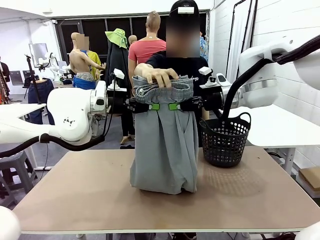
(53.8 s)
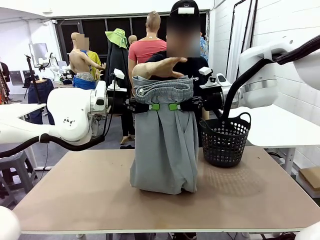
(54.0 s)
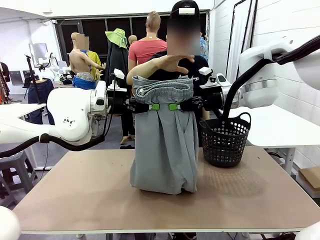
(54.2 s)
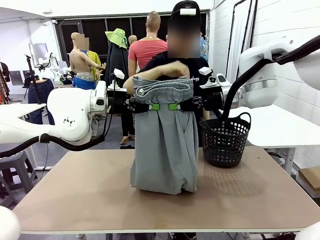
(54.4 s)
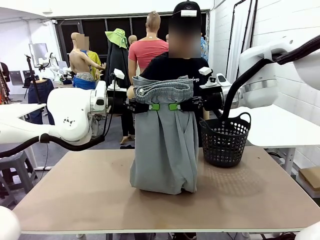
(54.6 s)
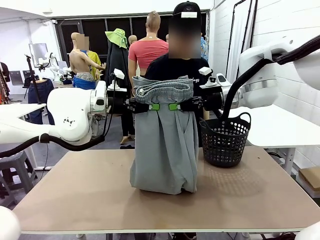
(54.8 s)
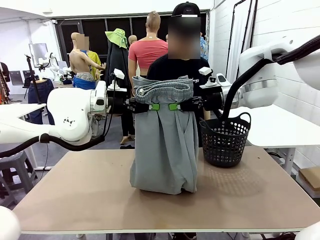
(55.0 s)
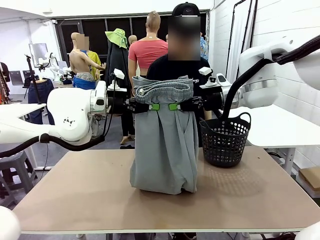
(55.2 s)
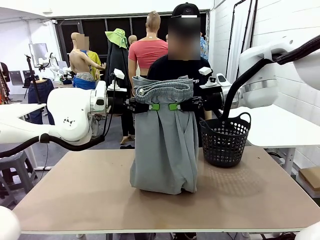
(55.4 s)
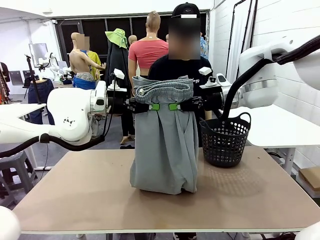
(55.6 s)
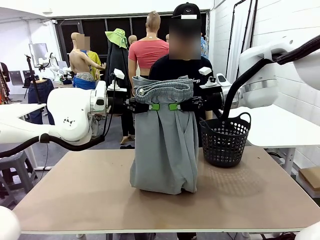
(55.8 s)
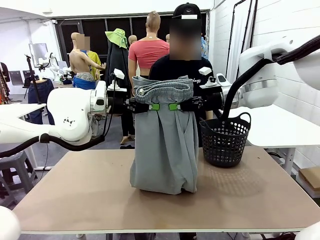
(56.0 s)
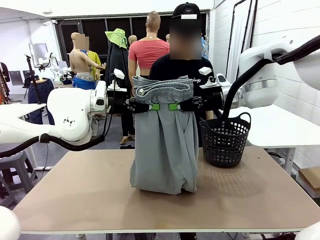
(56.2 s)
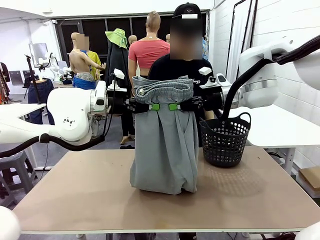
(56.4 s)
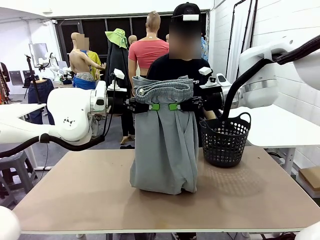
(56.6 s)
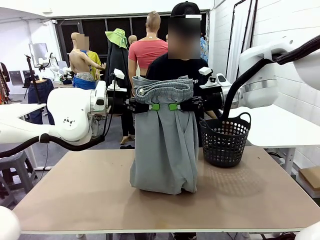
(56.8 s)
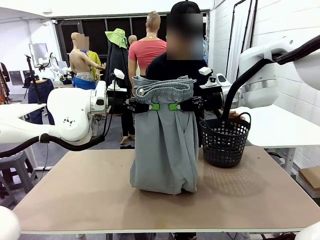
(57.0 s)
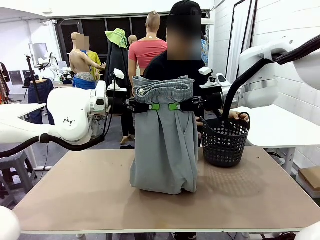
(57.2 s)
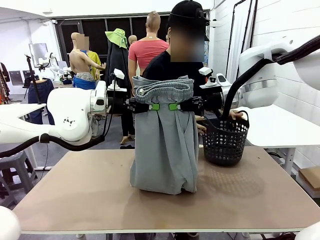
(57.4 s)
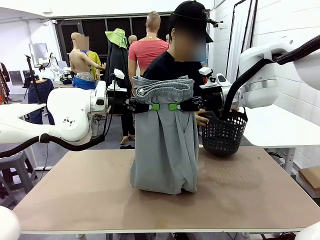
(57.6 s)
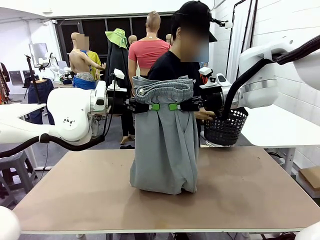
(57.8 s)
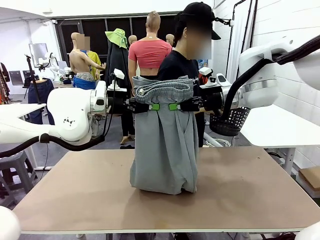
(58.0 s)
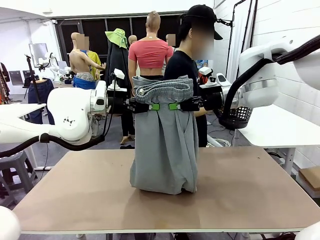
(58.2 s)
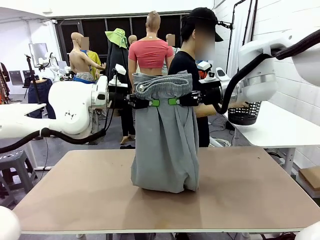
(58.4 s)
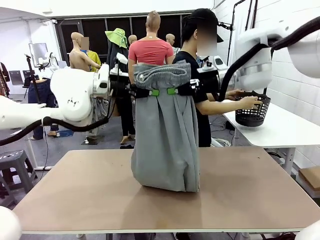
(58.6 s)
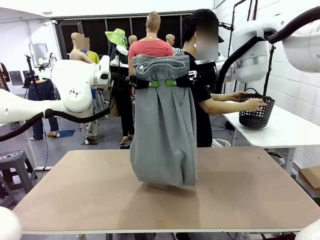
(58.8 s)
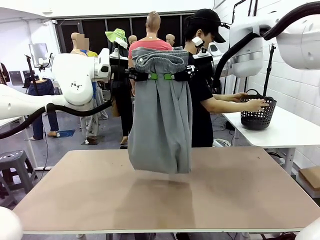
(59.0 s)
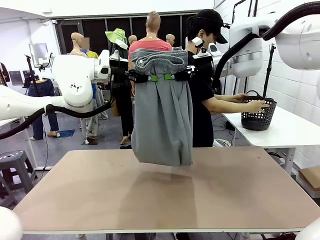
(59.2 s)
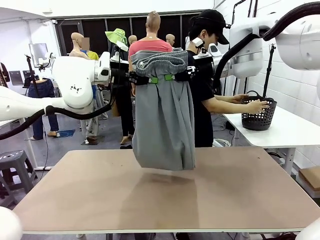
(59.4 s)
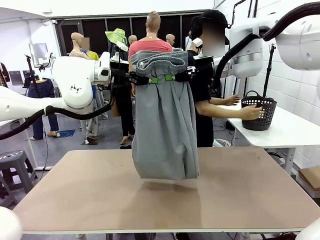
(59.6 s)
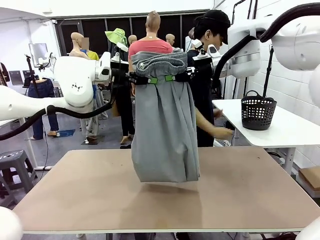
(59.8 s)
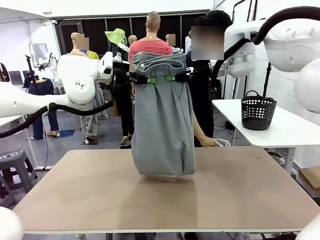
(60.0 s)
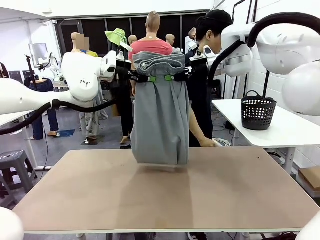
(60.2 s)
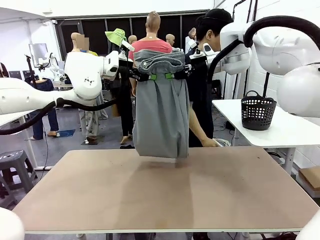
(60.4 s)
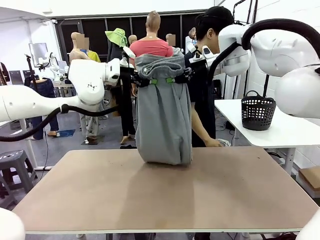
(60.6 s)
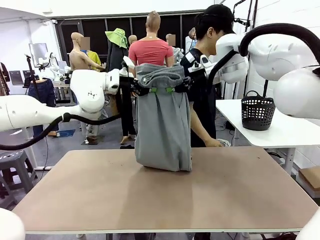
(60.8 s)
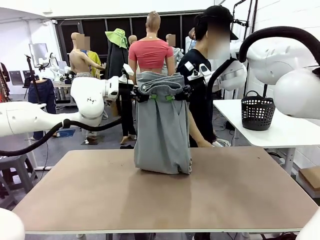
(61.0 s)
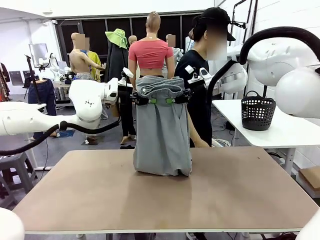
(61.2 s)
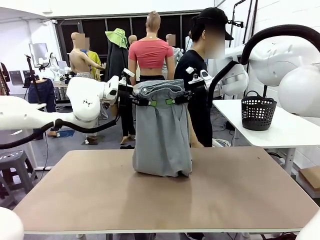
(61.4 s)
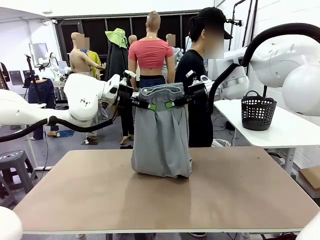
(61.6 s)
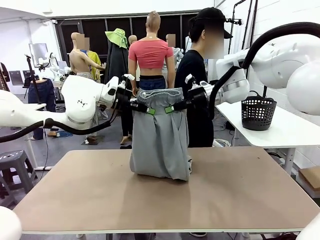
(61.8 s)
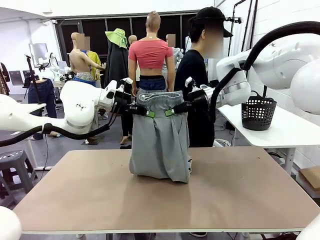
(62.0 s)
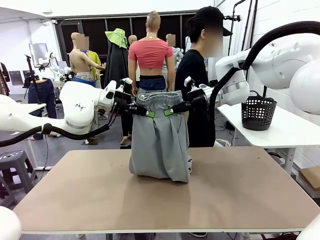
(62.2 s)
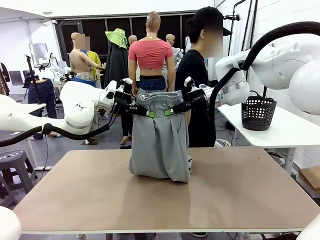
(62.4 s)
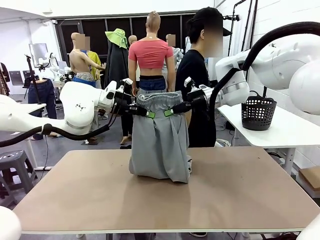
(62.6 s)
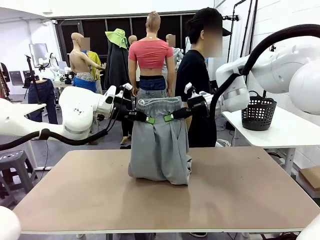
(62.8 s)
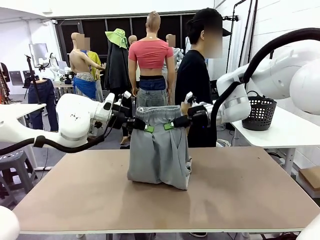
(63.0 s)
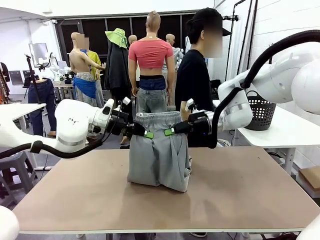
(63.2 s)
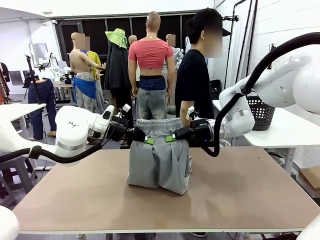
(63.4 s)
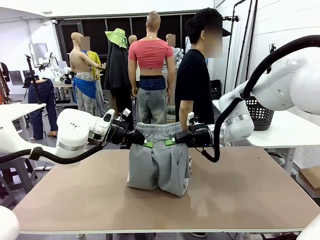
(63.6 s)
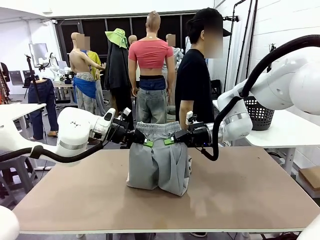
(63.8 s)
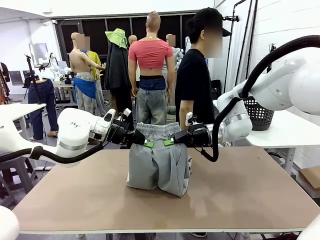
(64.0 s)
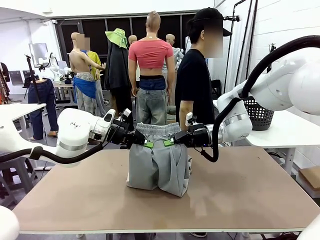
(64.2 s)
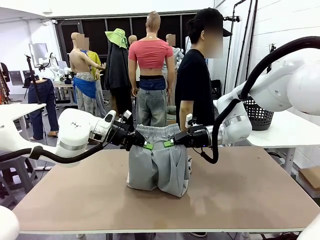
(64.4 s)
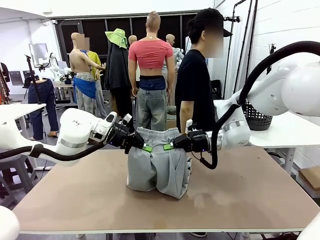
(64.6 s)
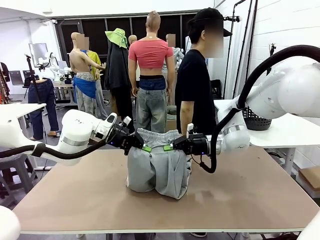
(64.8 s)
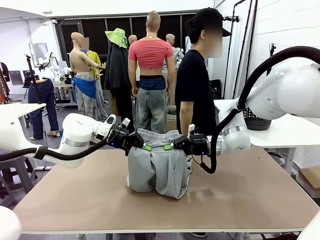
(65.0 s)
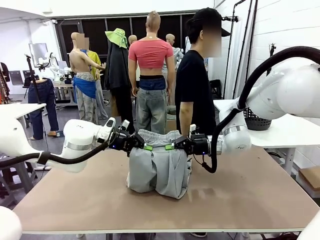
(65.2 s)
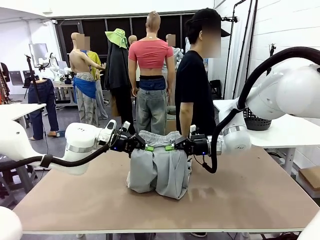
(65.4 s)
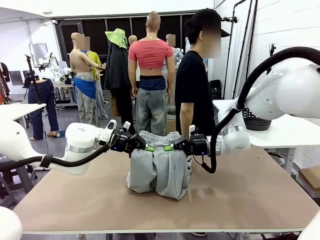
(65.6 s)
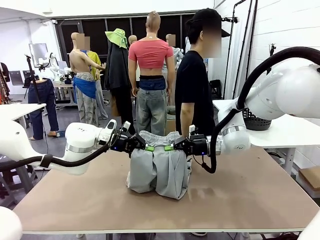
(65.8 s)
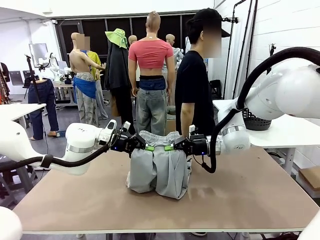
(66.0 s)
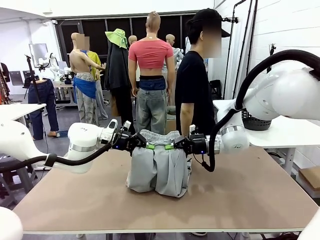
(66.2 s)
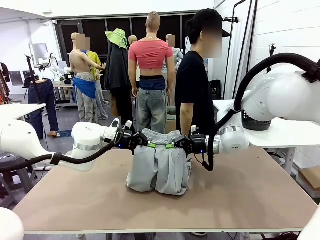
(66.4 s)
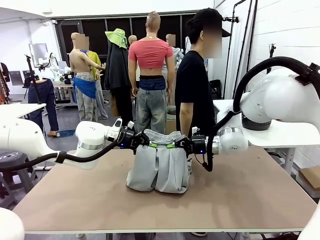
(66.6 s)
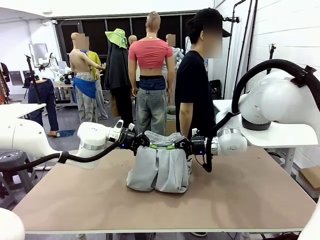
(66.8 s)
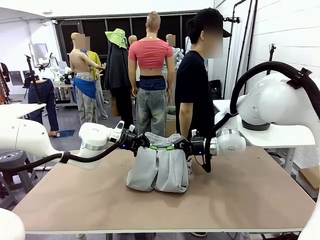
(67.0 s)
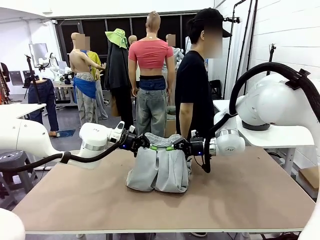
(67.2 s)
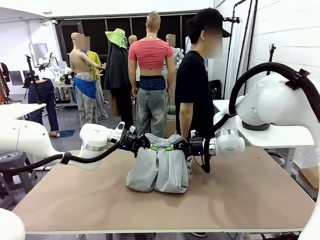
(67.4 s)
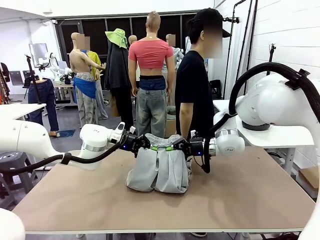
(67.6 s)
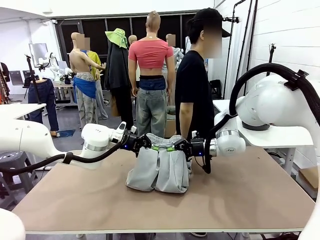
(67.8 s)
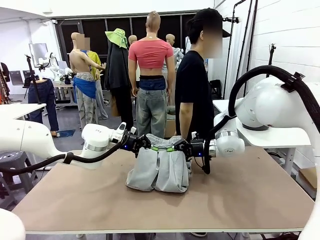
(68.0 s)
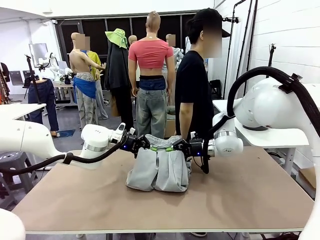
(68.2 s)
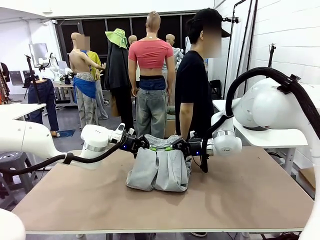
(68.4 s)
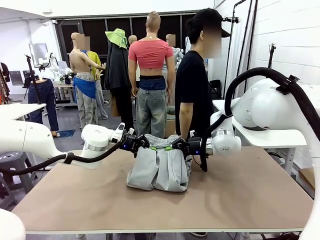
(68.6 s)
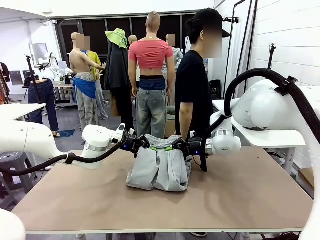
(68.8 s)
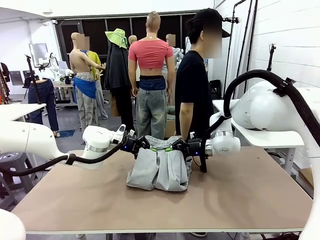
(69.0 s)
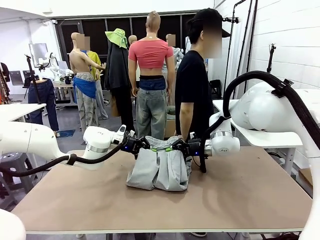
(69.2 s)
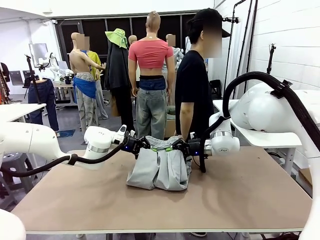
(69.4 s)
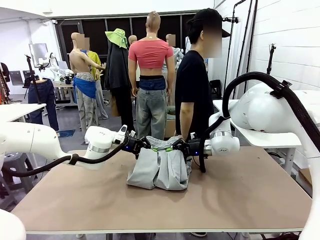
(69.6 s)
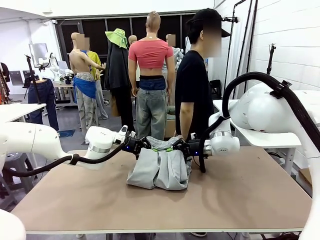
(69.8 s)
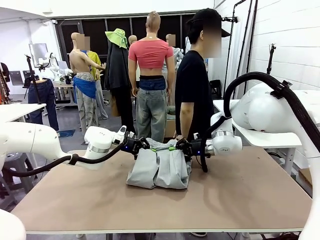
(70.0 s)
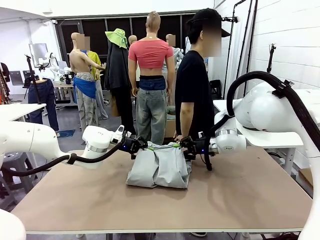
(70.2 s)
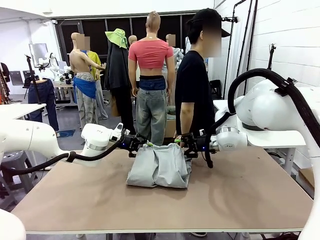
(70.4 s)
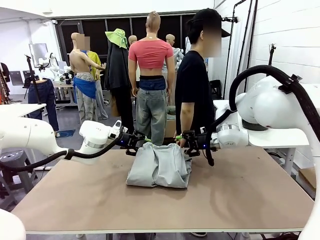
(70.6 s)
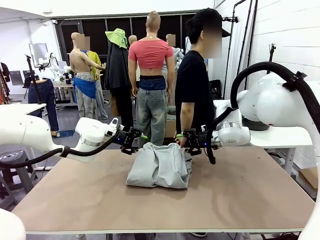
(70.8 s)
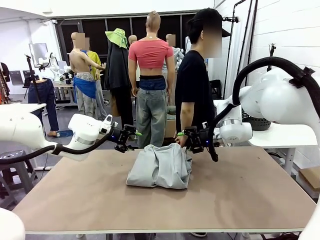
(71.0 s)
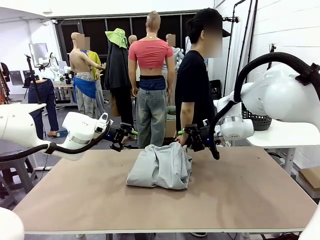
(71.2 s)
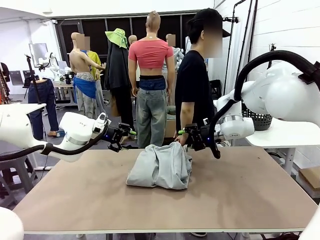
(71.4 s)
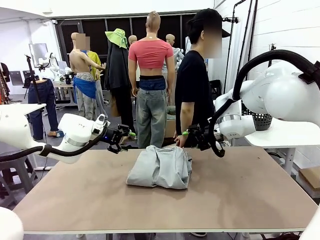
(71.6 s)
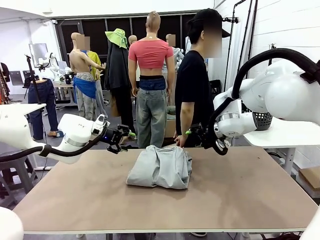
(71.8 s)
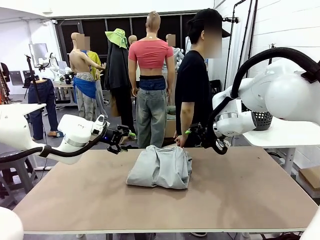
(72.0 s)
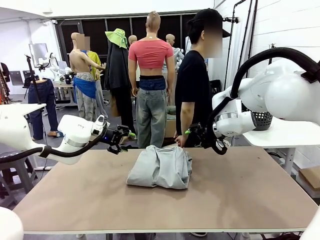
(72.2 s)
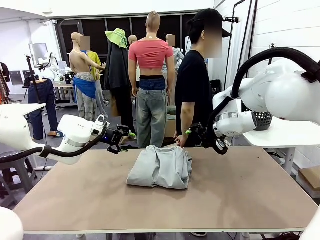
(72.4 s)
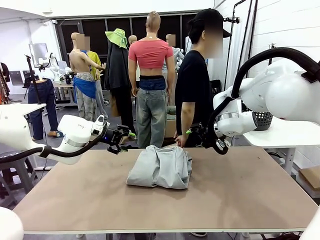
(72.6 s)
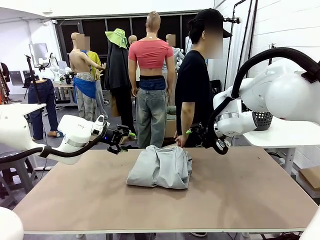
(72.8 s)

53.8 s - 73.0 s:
Task: Fold the training pants.
Robot: Fold the Training pants in half.
Person: Move the laundry basket to the right of the human table.
